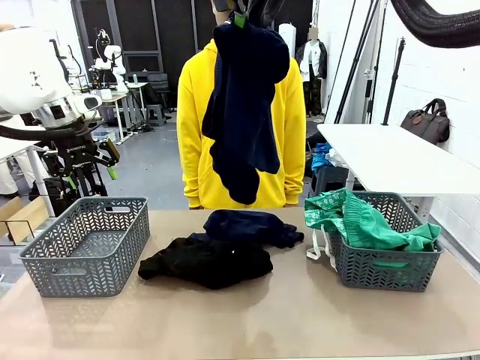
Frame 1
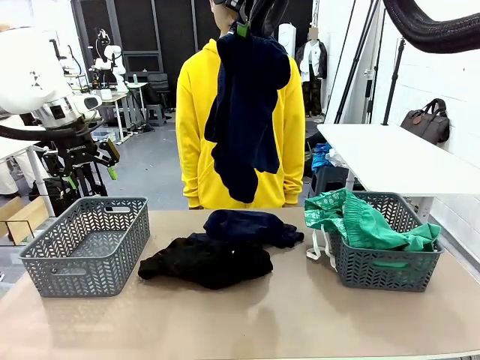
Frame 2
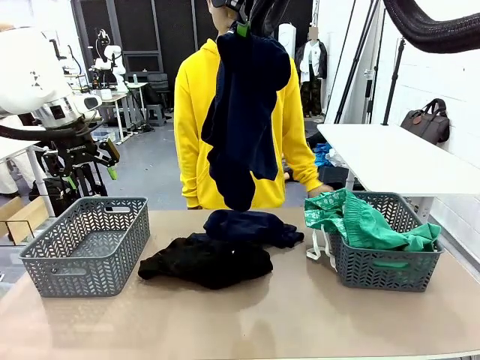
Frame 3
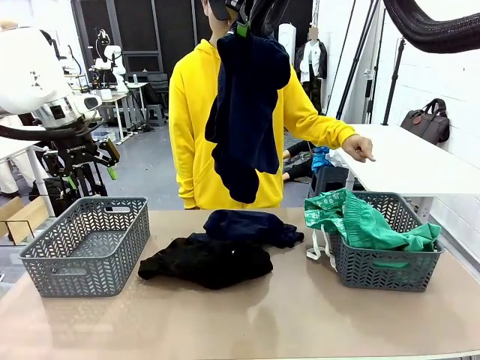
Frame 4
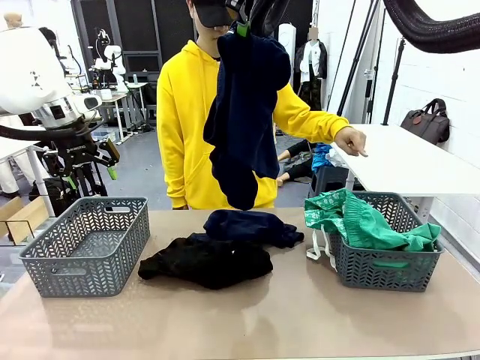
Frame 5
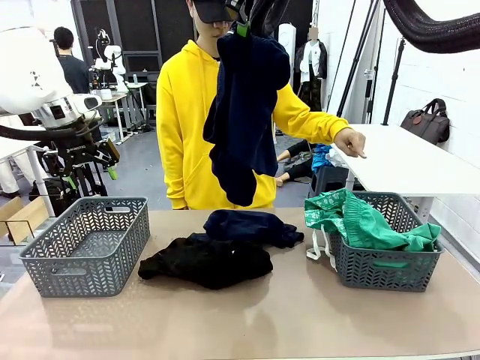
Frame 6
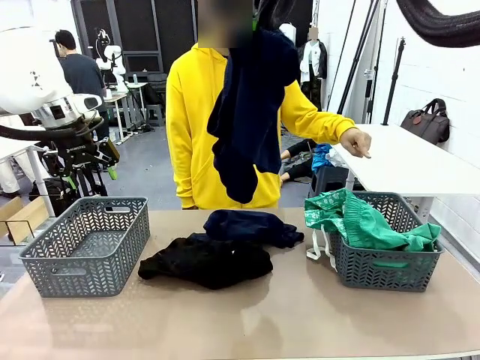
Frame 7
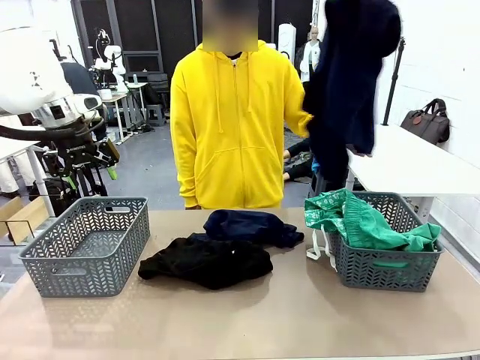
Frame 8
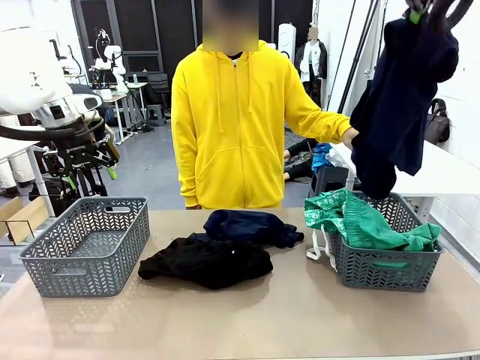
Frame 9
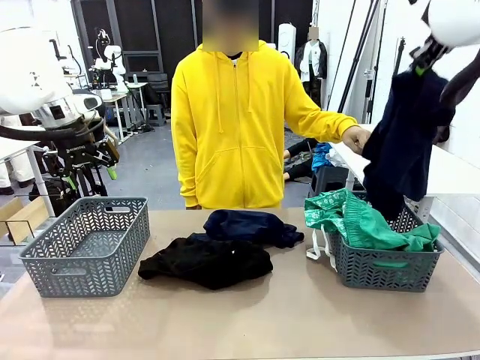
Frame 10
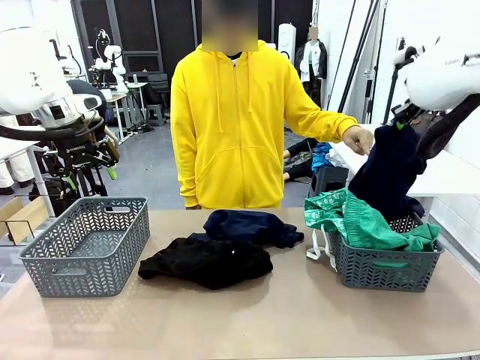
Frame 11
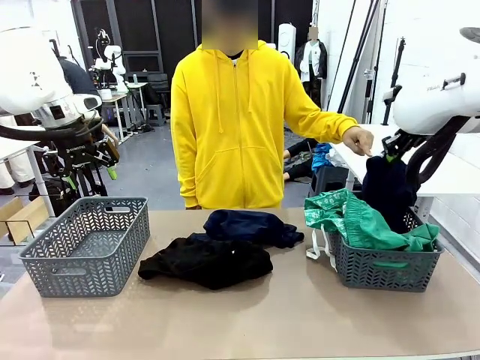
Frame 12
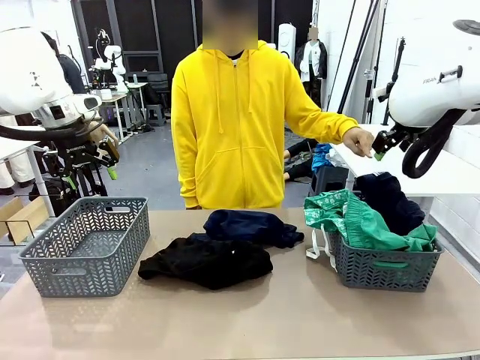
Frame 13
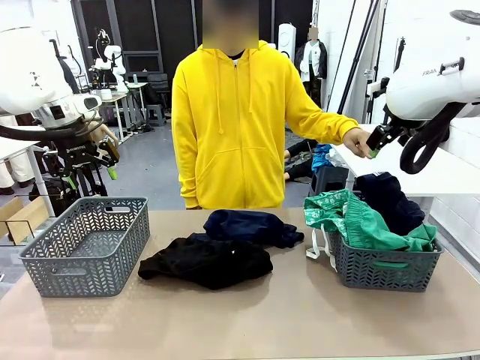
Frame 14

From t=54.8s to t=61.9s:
Task: Sort the tops and bottoms.
Robot: Sort the clothes according to human instructions.

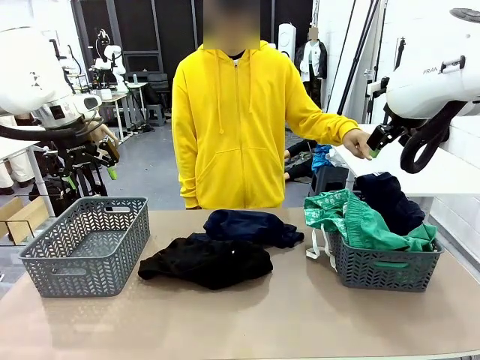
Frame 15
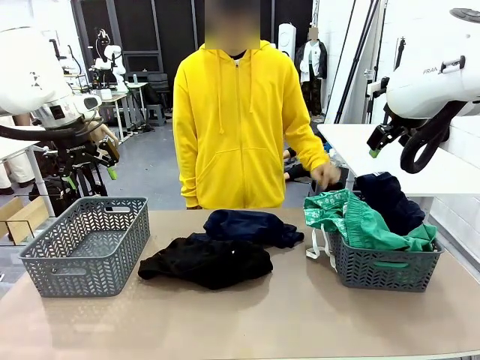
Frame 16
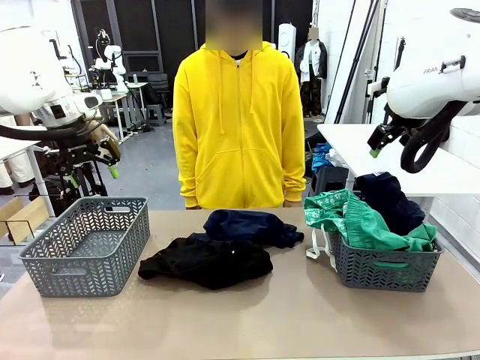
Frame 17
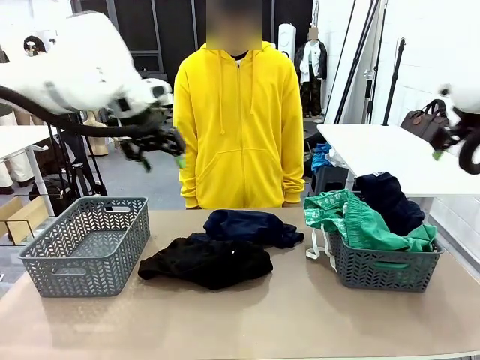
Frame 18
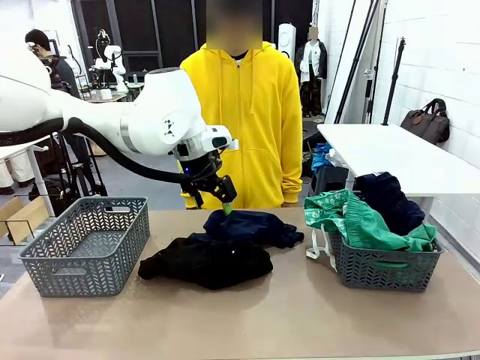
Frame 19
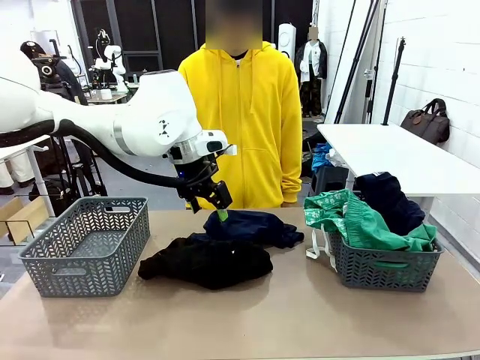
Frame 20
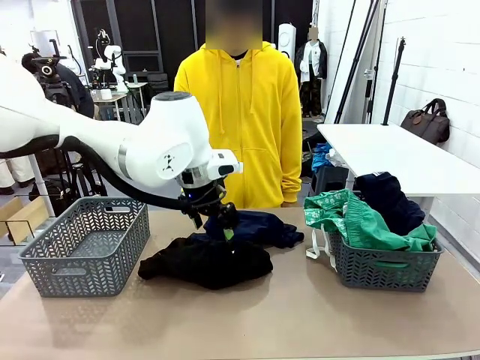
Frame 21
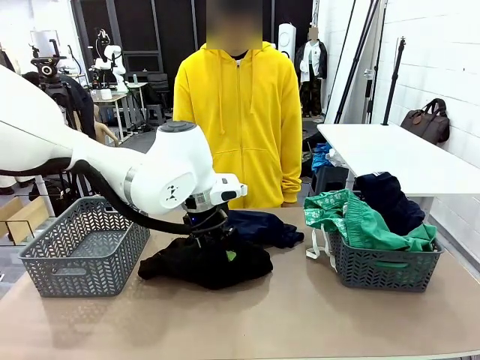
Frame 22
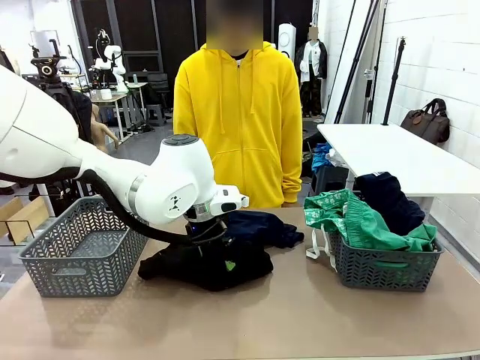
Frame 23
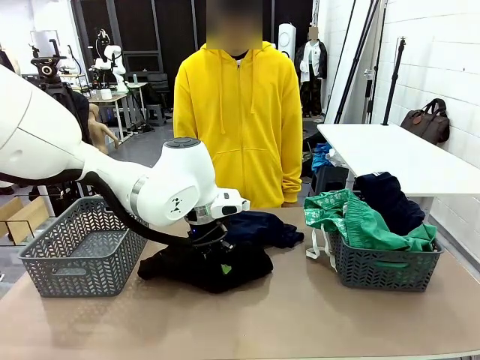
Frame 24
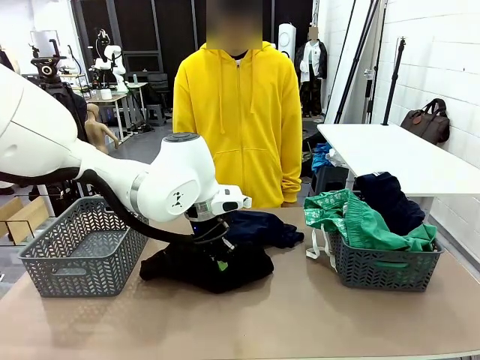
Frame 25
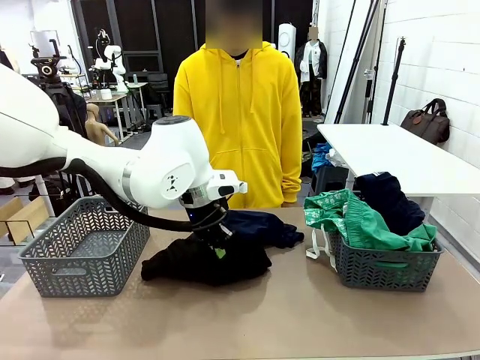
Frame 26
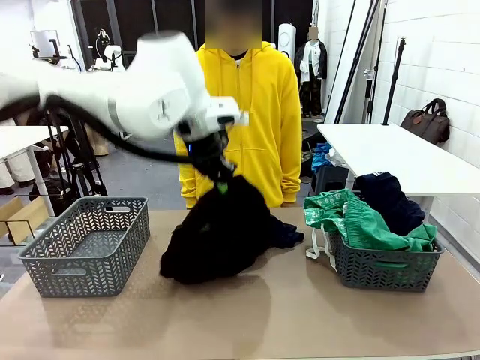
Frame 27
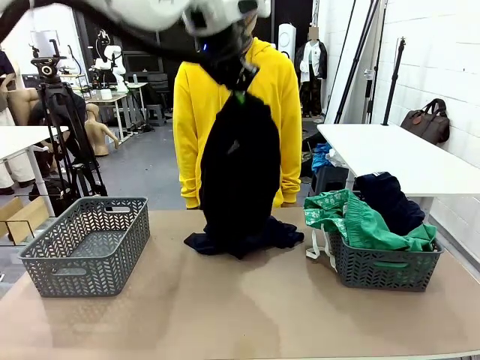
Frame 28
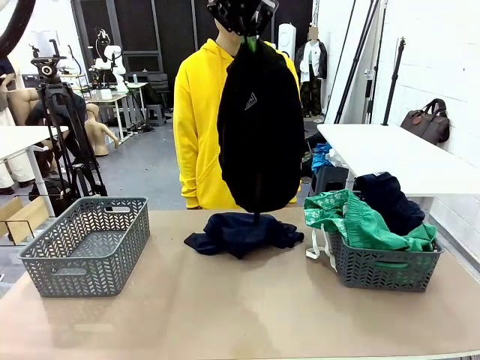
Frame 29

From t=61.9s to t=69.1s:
Robot: Lift clothes from the center of the table with your left hand.

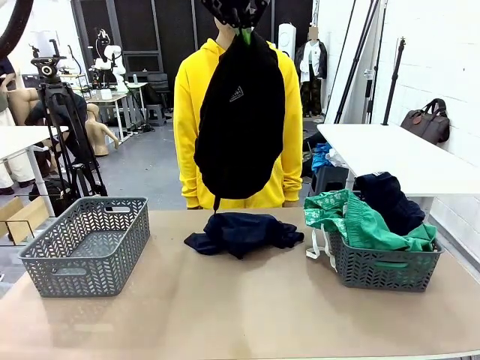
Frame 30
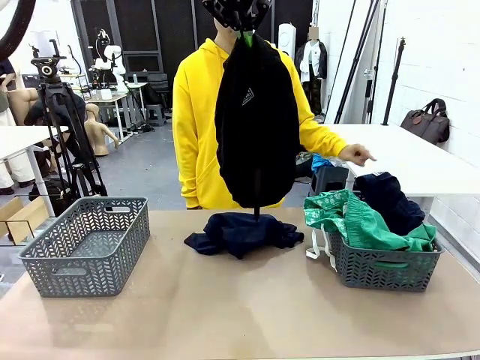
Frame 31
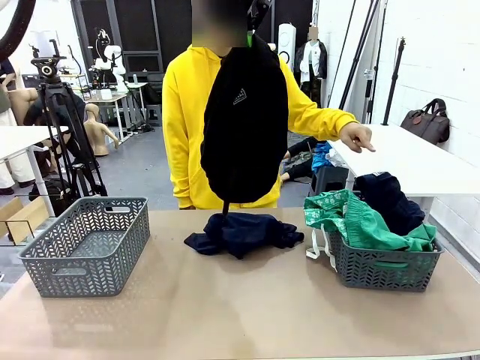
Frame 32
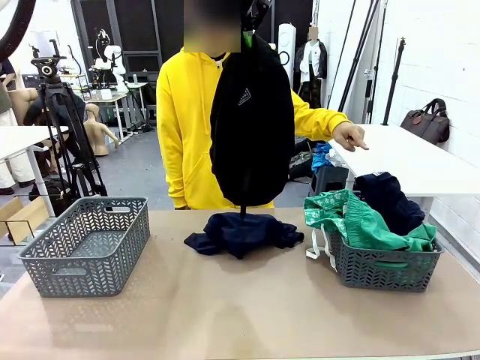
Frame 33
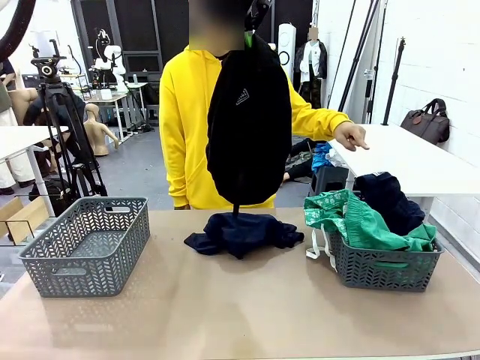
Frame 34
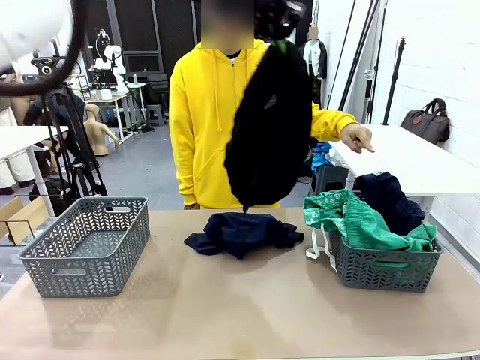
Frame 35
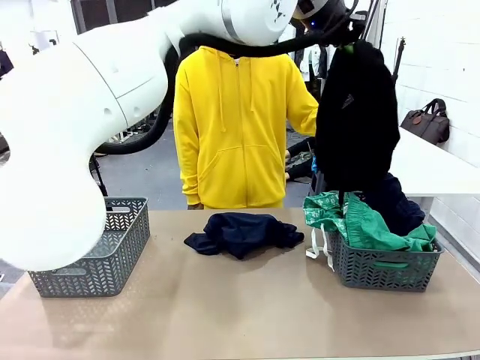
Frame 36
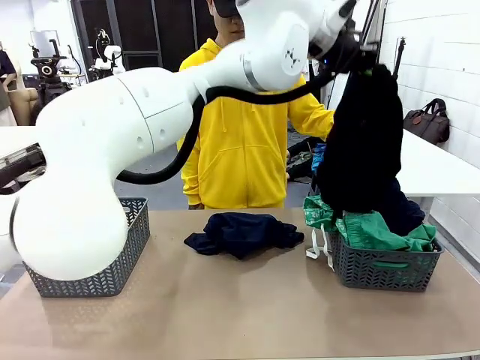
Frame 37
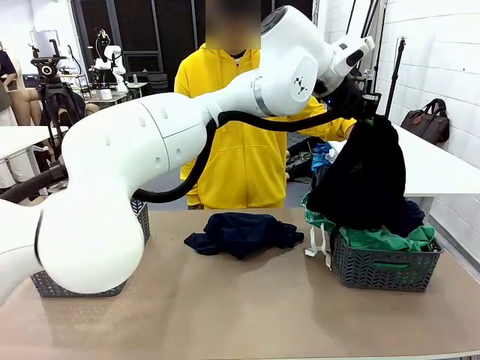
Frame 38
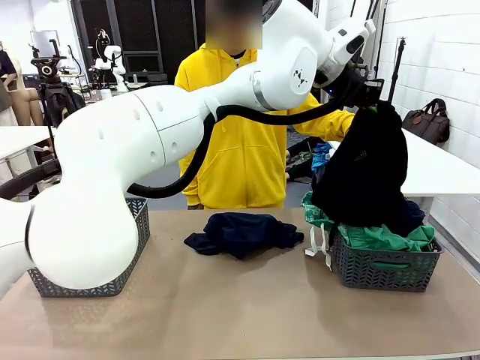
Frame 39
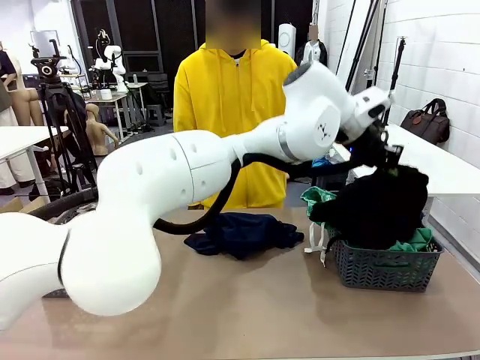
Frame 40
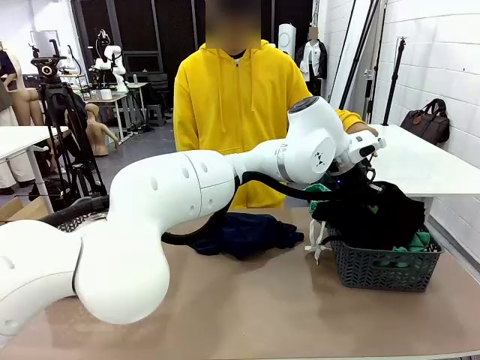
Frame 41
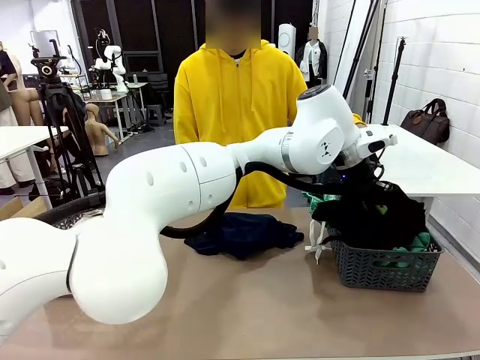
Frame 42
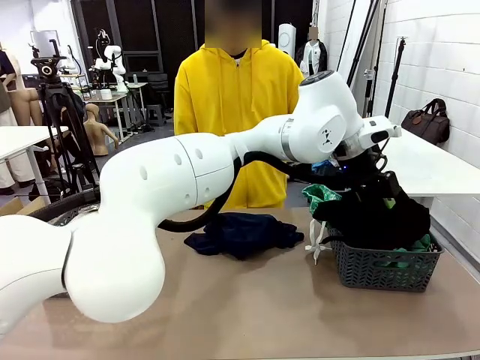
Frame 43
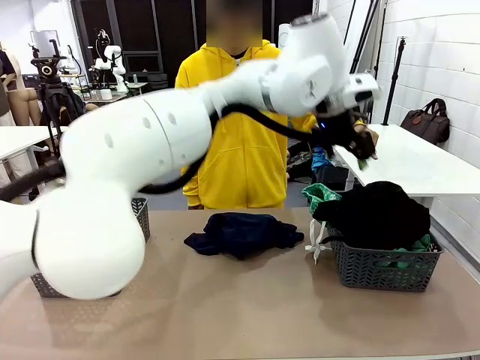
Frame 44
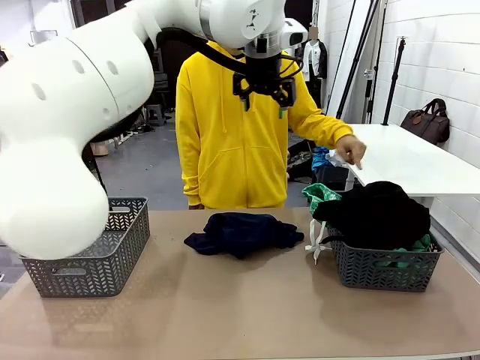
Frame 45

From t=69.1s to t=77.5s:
Robot: Sort the clothes according to human instructions.
